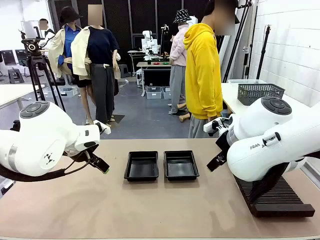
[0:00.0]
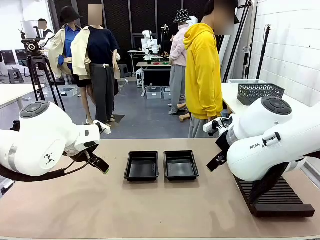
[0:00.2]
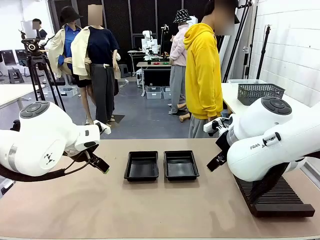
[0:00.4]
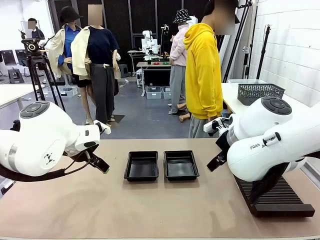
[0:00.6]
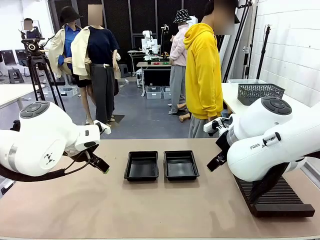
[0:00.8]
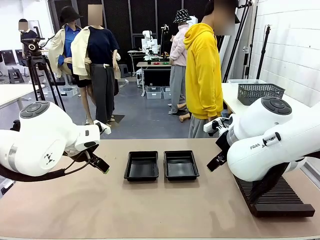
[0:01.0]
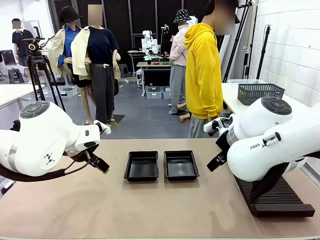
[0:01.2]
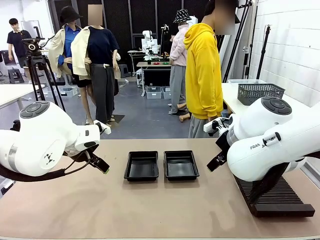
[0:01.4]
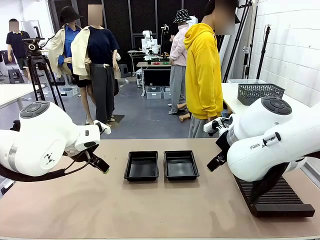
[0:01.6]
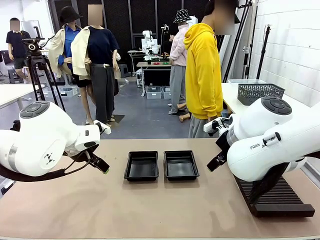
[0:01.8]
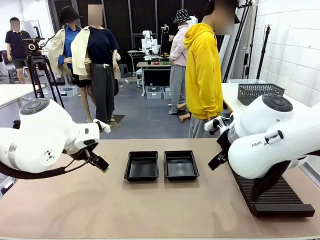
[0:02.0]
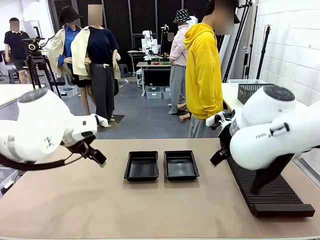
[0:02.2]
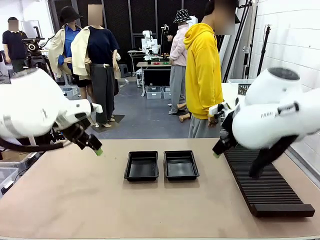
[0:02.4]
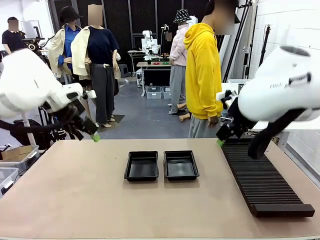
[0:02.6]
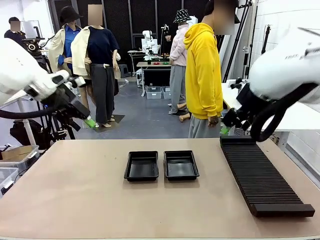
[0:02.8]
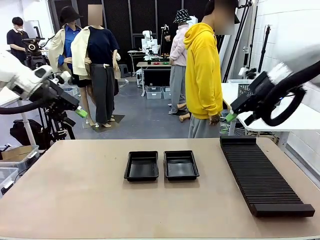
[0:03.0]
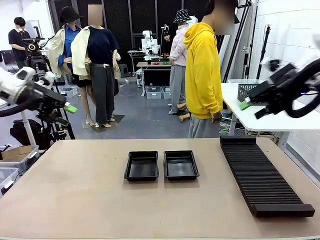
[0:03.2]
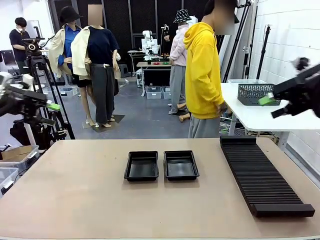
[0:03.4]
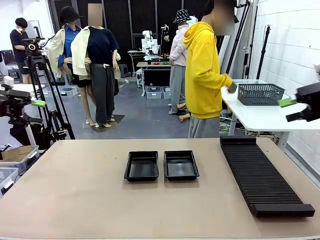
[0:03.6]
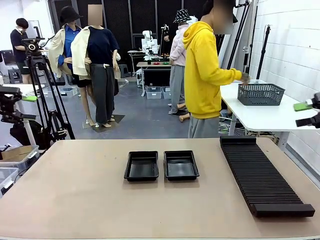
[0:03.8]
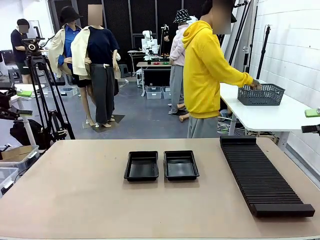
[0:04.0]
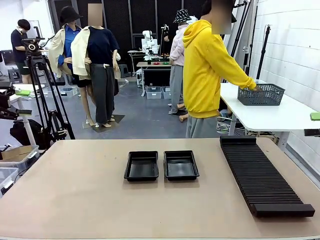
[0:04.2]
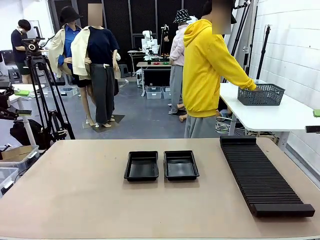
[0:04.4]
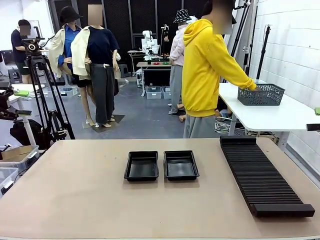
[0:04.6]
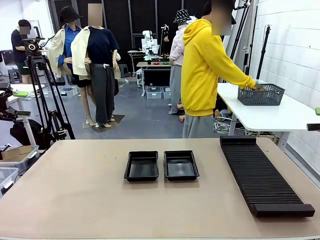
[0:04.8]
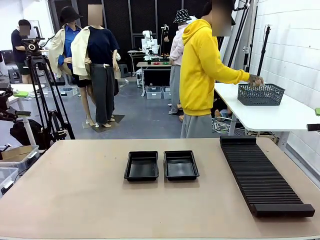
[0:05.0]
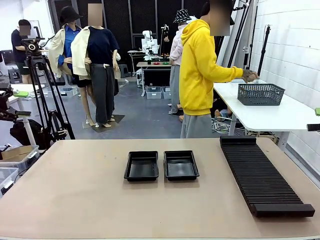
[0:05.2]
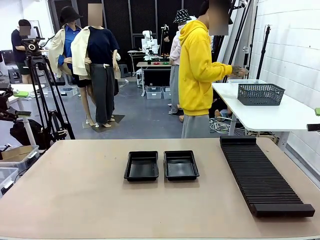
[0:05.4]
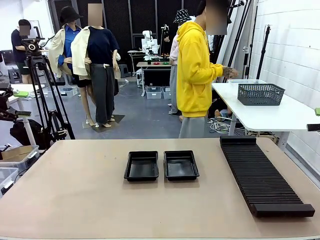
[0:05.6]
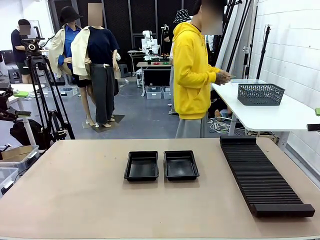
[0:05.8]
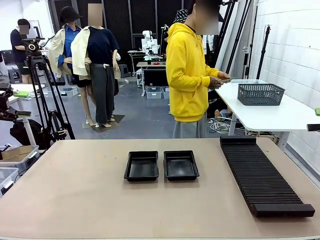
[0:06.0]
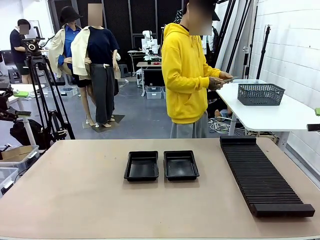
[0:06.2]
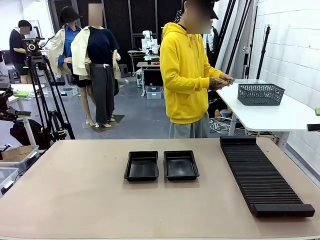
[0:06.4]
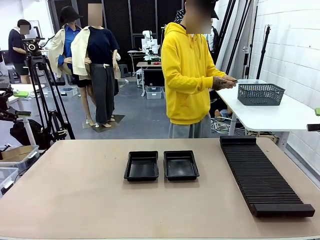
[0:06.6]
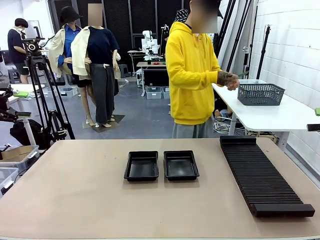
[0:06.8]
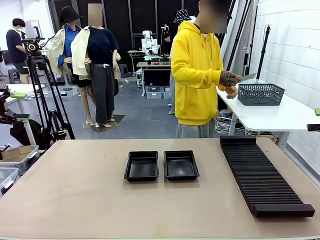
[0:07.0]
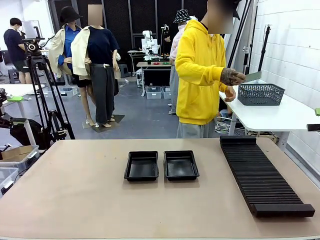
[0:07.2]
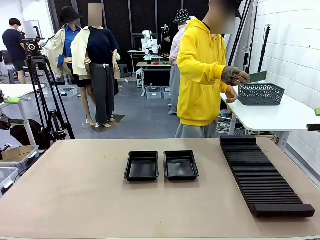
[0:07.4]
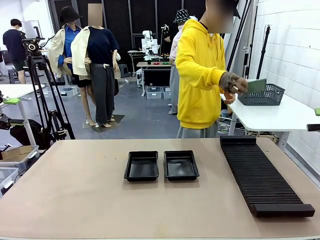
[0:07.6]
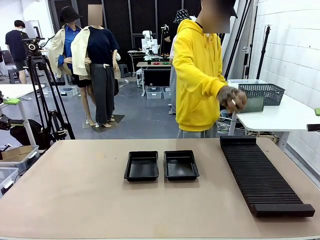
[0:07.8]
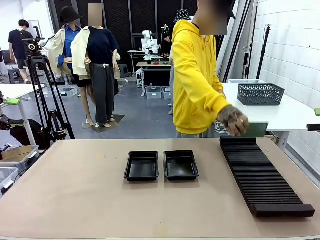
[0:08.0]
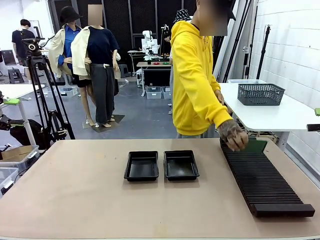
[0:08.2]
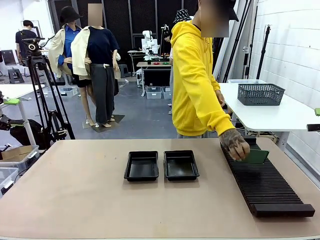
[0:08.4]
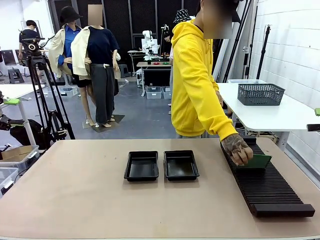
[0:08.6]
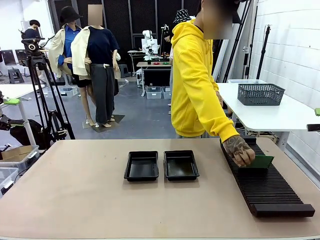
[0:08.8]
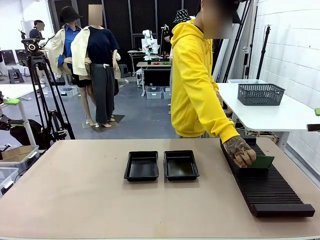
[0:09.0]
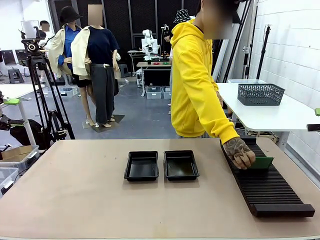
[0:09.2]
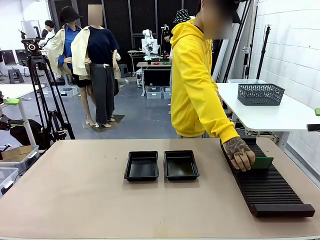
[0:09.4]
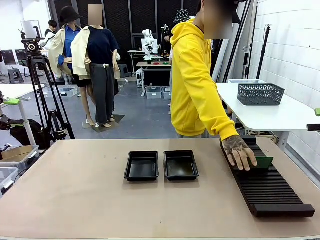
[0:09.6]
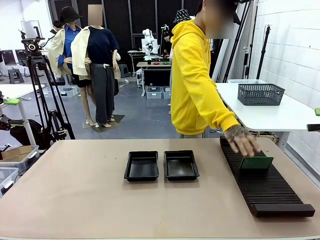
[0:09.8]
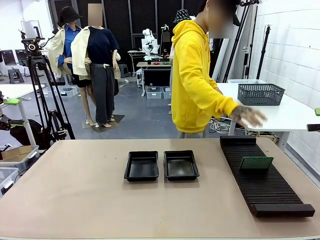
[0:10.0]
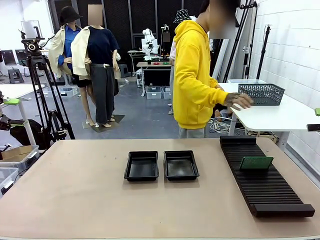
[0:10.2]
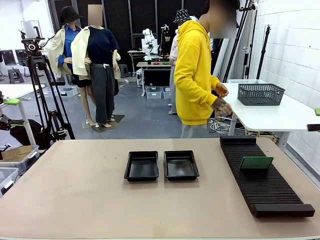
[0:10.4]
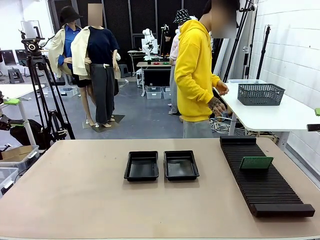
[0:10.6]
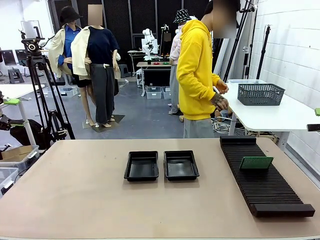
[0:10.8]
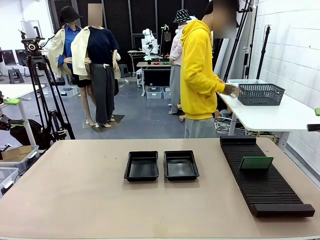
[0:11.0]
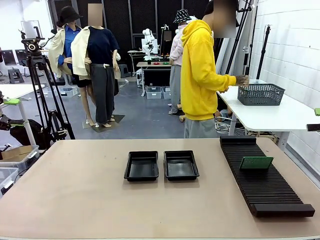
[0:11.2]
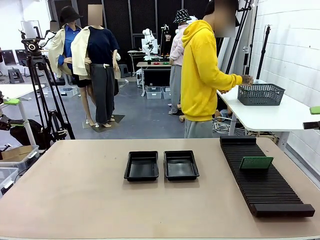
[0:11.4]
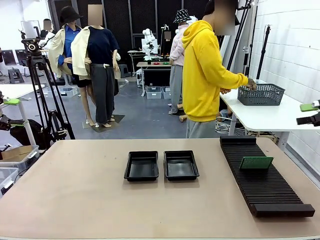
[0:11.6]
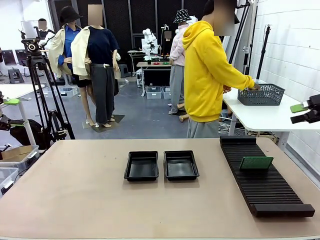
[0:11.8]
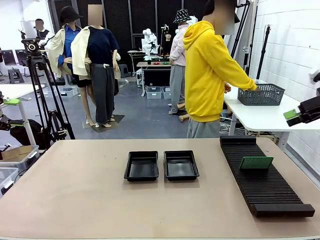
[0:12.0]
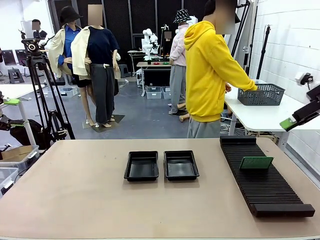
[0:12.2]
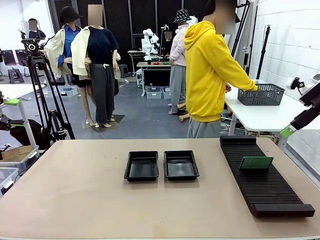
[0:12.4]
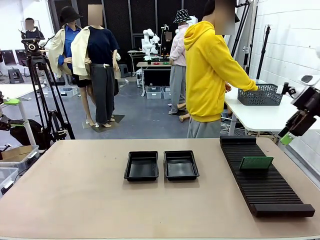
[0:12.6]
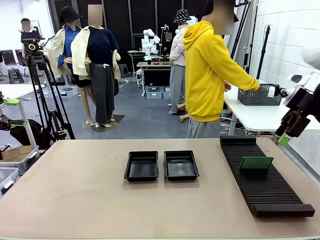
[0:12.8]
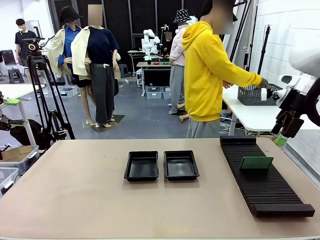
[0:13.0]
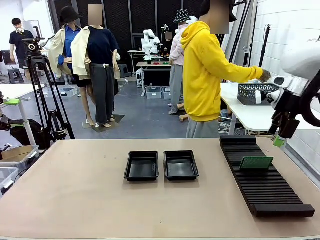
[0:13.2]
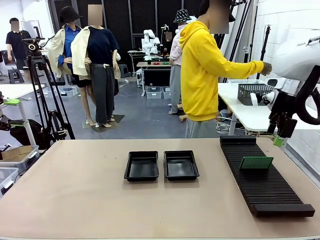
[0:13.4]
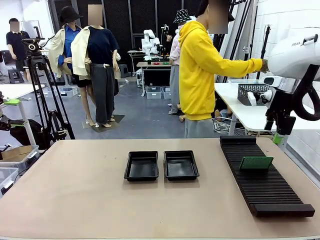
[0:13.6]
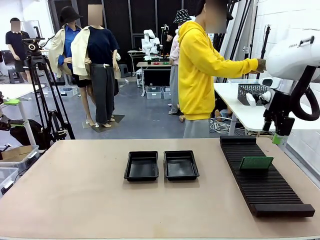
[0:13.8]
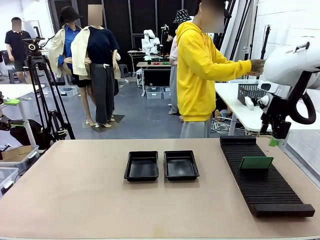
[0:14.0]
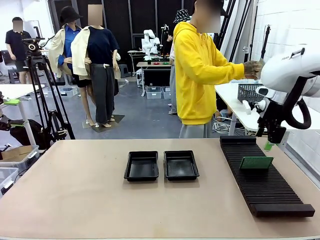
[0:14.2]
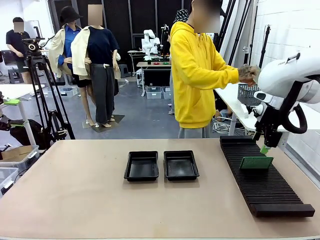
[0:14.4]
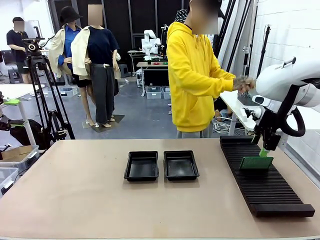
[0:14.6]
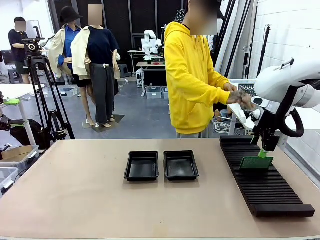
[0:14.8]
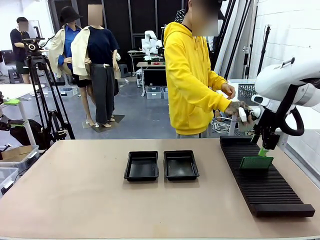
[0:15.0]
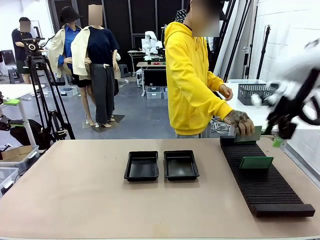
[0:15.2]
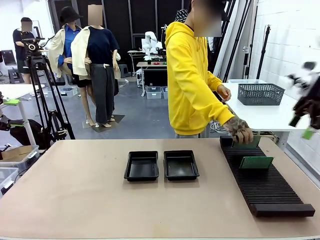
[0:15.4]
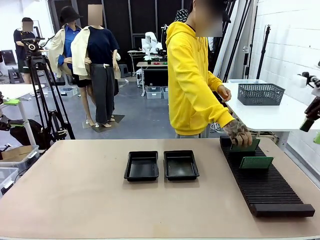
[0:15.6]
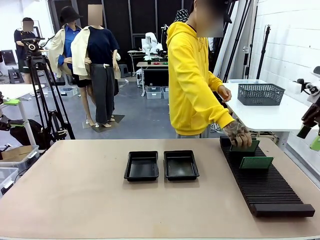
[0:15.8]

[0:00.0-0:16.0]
Task: Inspect and transfer BCBs to ESD trays.
Robot: Pick up the Blank PCB from the PCB Rack and place it in the left ESD tray.
